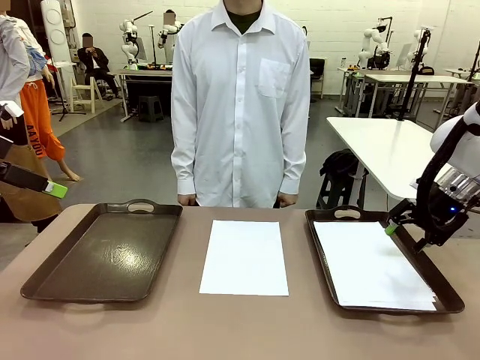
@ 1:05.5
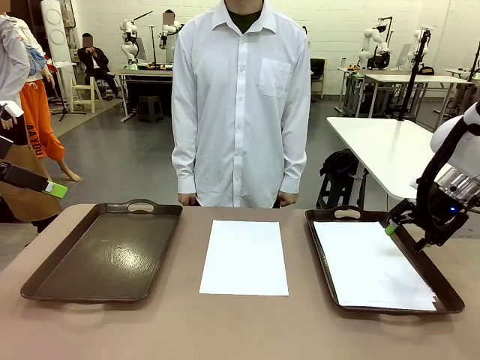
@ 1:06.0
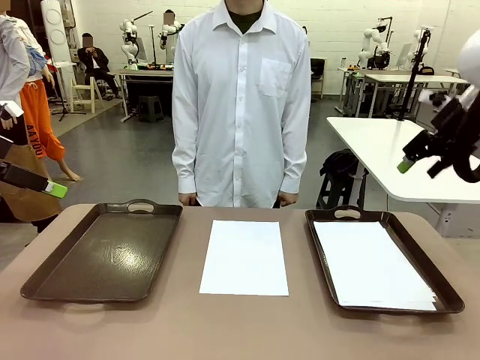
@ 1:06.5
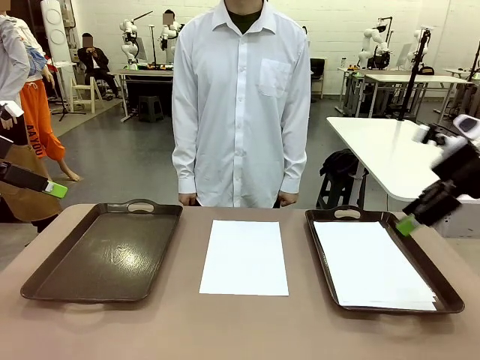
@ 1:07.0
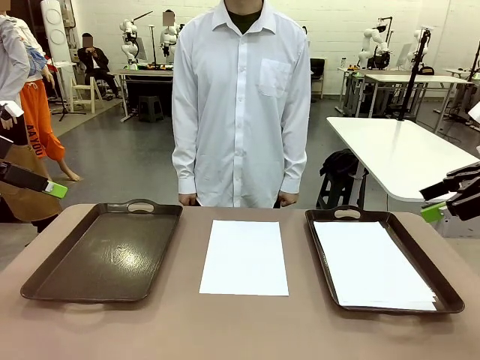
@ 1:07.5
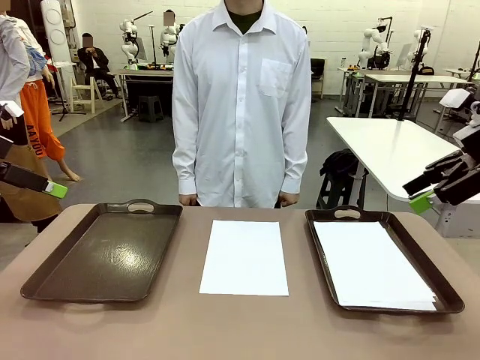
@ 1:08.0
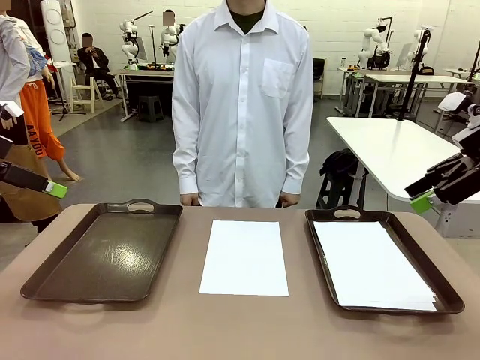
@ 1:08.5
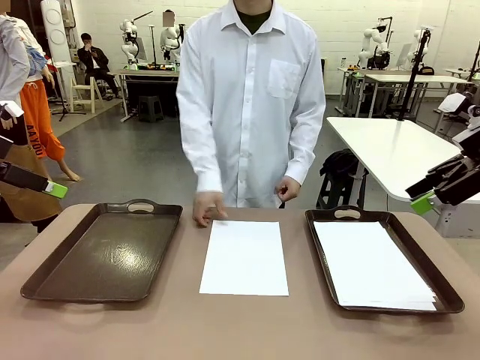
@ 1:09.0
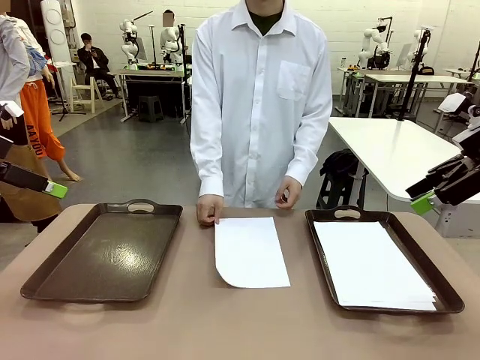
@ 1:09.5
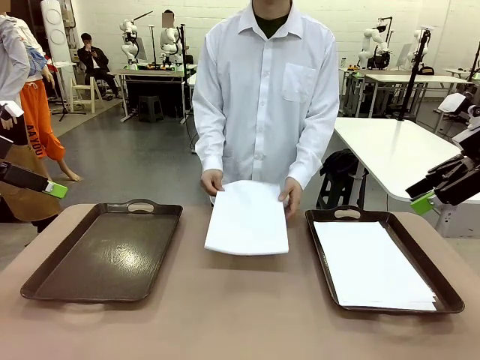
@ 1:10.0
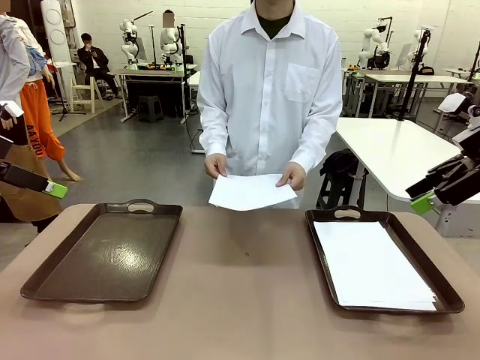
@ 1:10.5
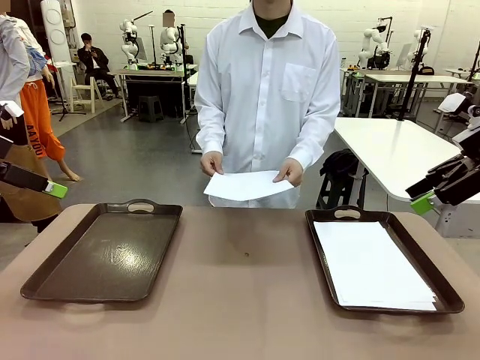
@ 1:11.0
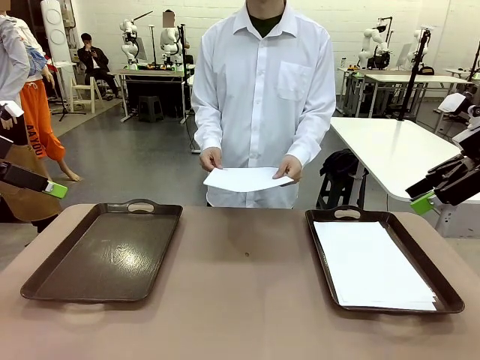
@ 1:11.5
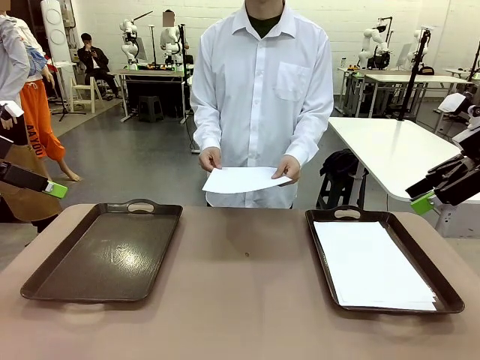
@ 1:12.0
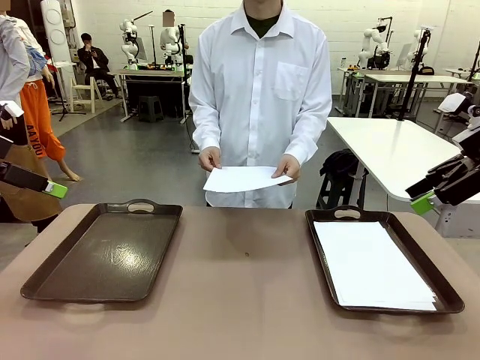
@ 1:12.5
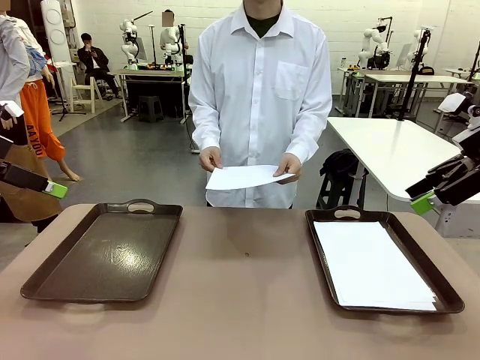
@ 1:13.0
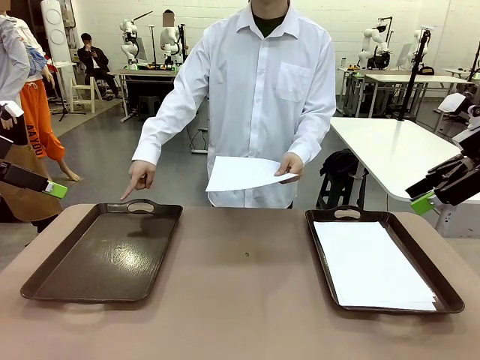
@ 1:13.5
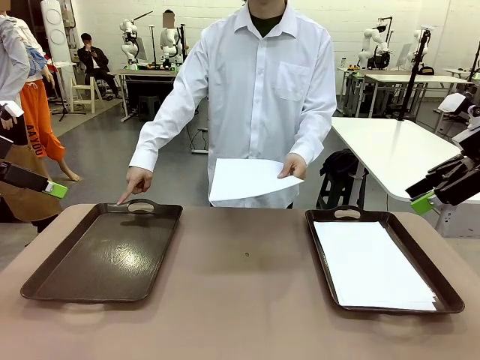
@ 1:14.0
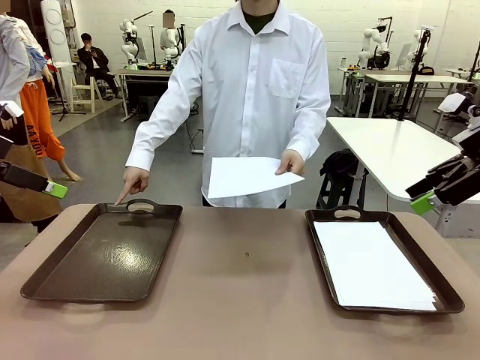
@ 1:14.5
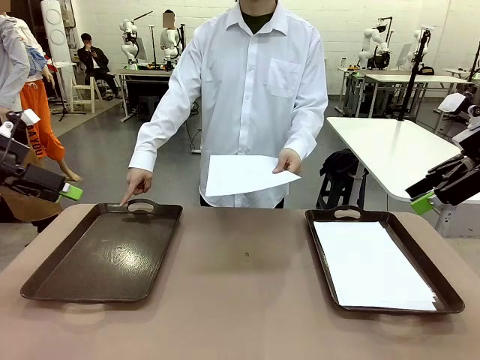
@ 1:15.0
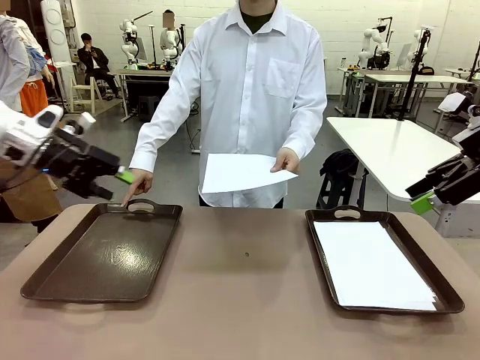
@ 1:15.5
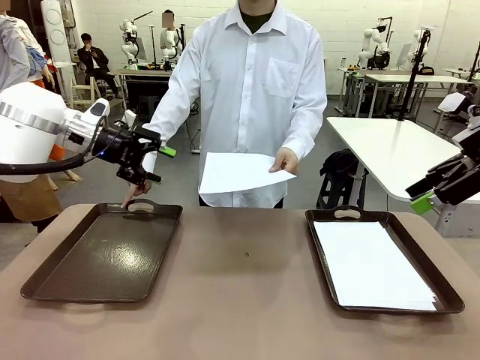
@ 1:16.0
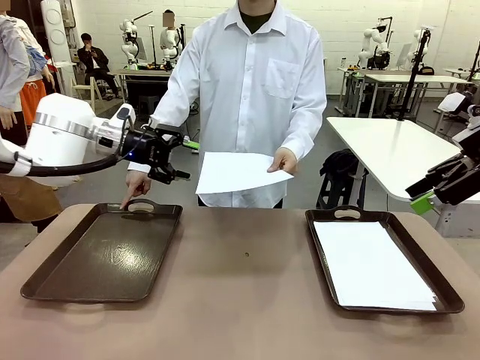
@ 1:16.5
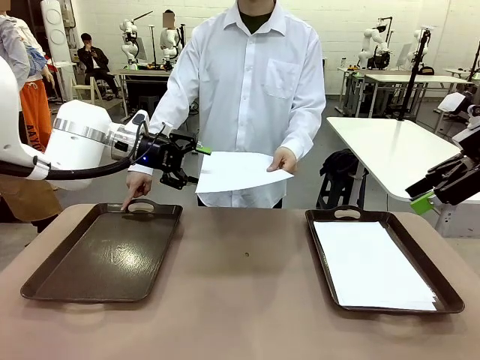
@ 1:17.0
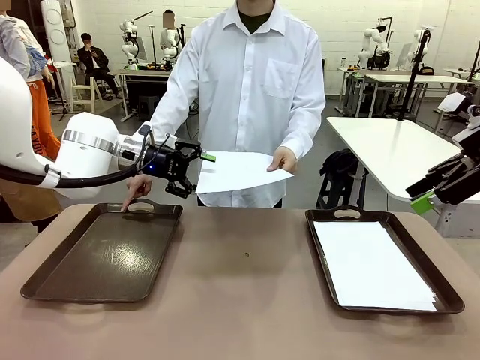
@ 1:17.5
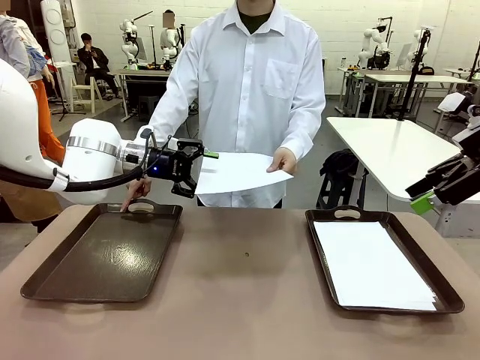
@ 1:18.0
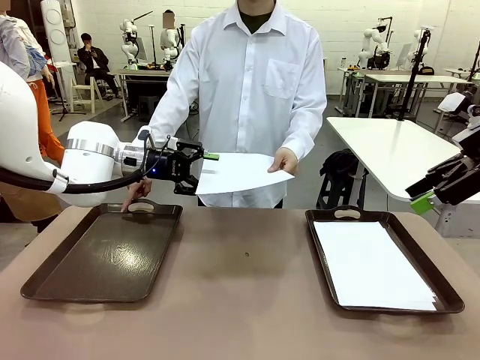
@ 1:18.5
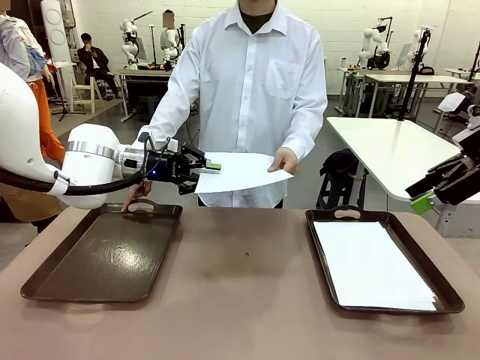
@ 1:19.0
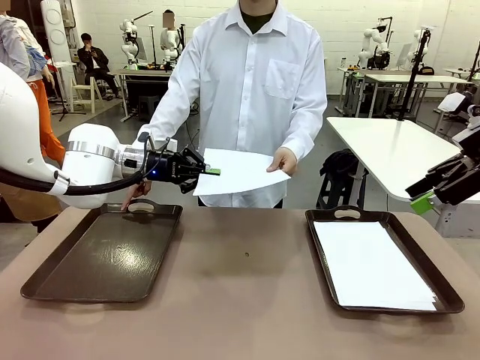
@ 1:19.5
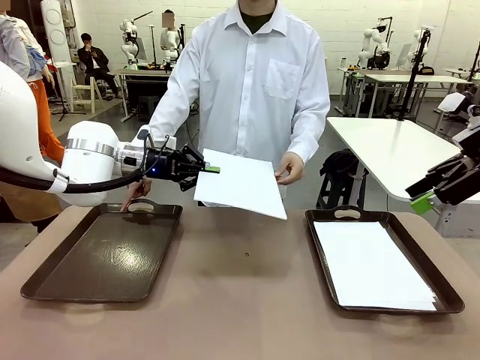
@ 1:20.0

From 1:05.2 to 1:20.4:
Task: Sort the A4 documents.
Robot: Receive the A4 Paper.
Person: Point the randomly selected tray with the other hand.

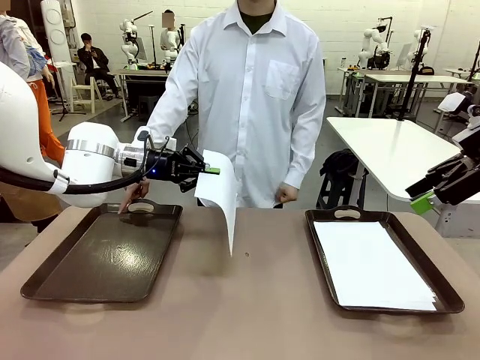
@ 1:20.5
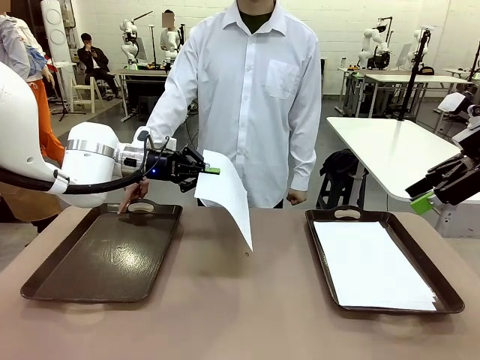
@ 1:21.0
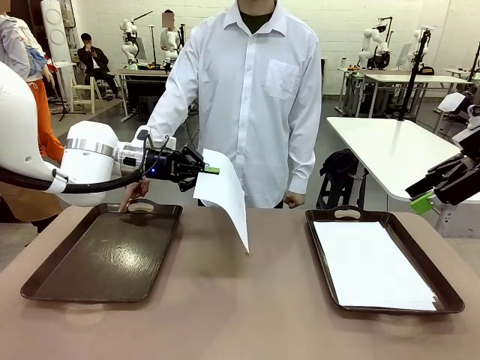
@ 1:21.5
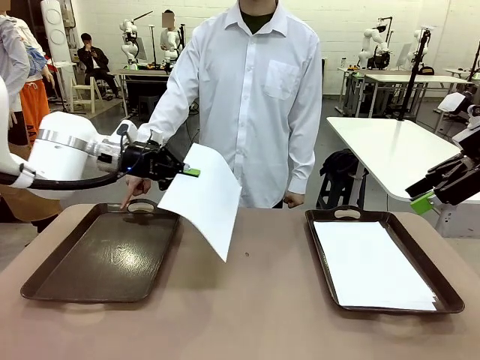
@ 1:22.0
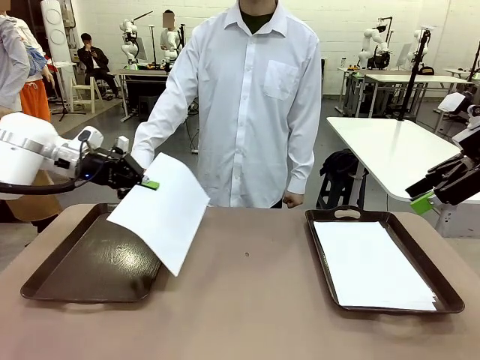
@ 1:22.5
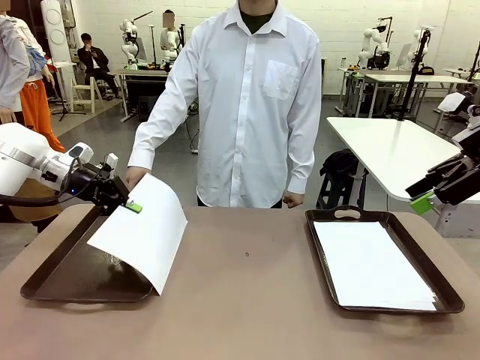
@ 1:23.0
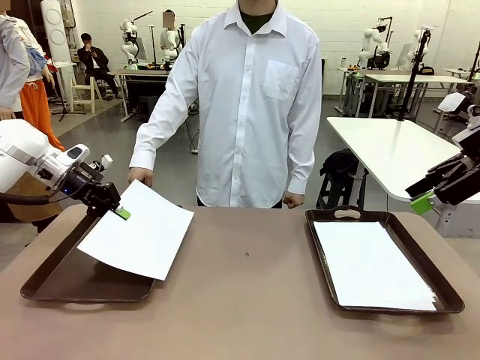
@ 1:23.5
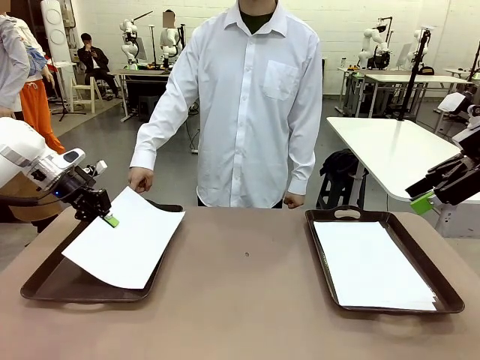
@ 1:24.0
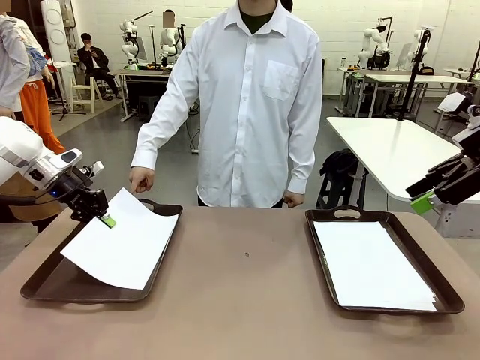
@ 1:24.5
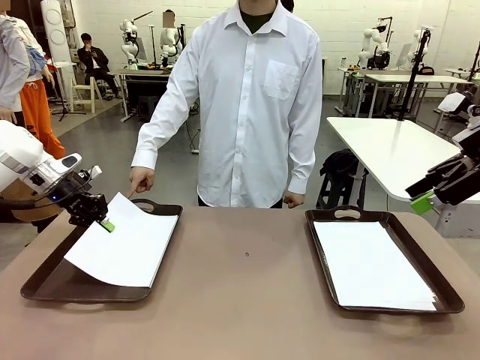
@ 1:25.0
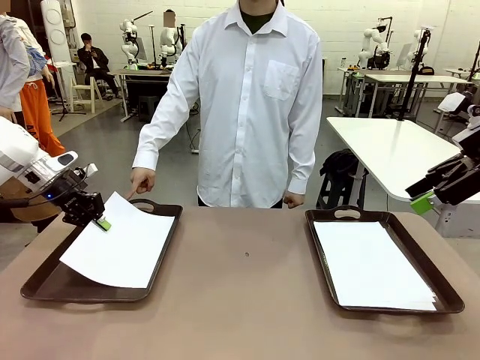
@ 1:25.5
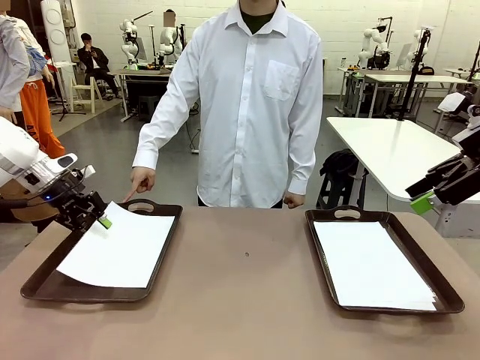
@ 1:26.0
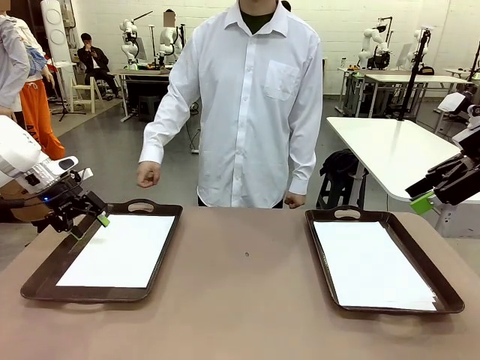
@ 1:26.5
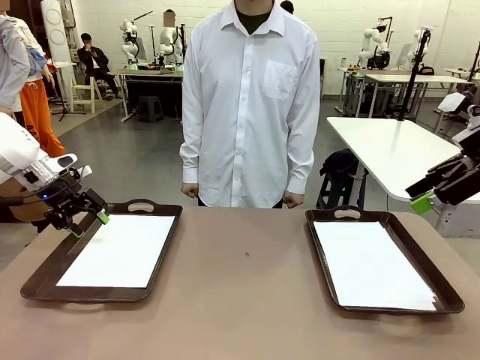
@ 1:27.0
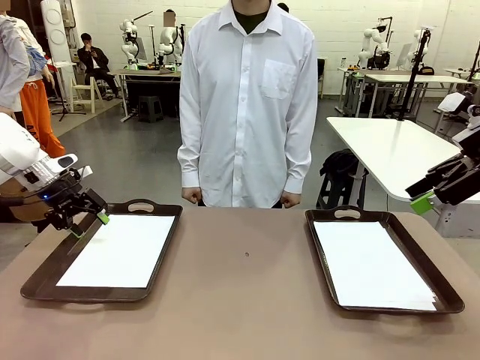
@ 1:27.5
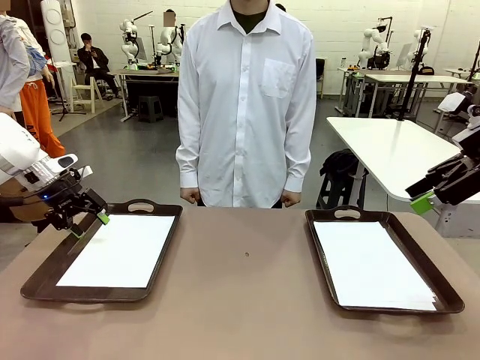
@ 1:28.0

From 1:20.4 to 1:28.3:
Robot: Place the A4 Paper in the designated Handle tray.

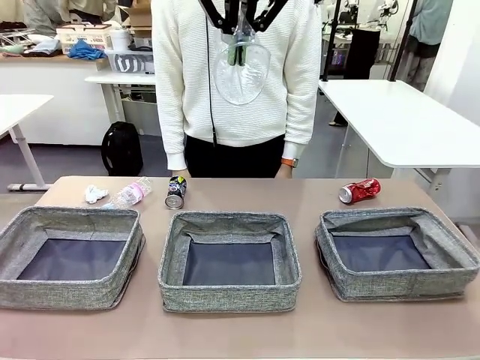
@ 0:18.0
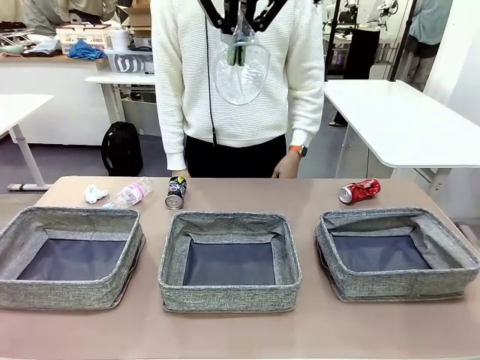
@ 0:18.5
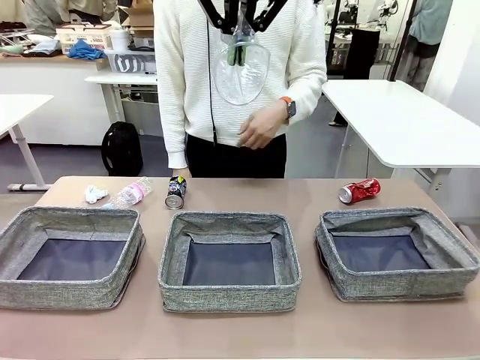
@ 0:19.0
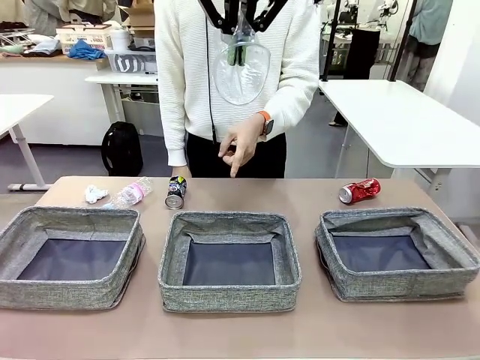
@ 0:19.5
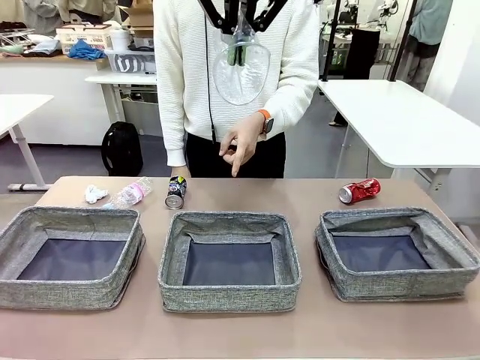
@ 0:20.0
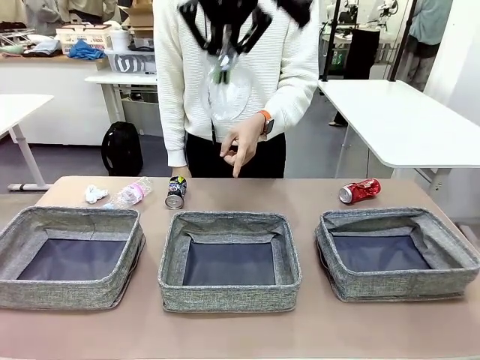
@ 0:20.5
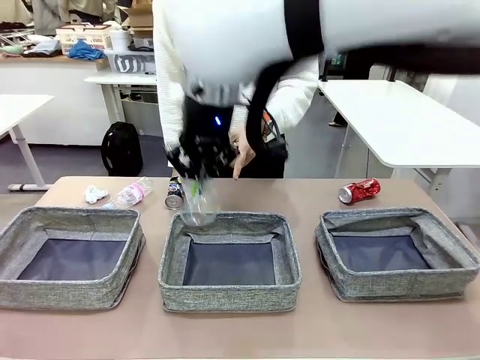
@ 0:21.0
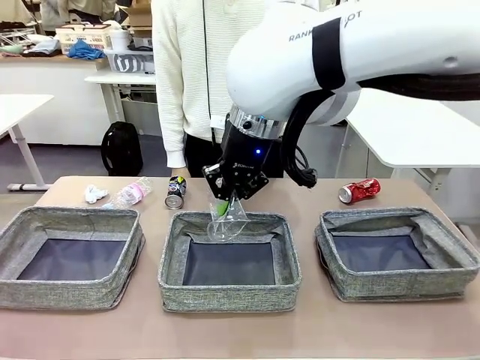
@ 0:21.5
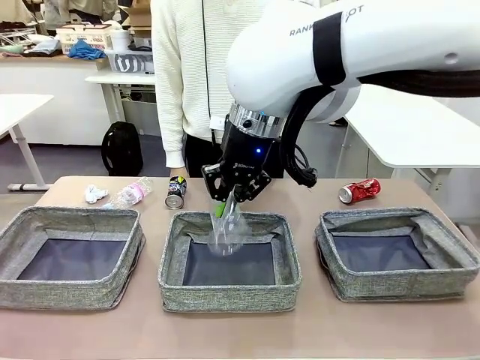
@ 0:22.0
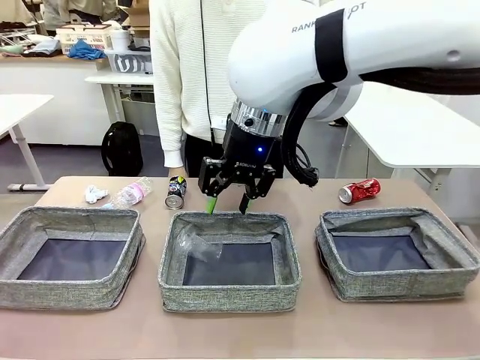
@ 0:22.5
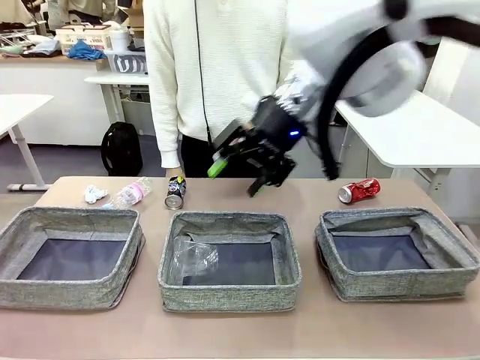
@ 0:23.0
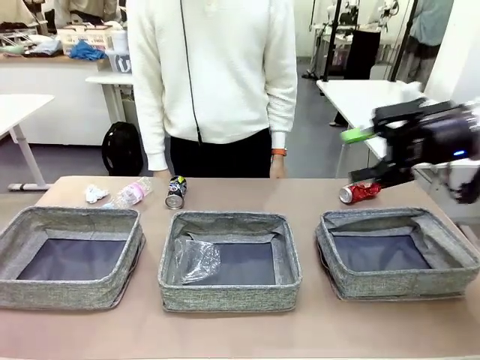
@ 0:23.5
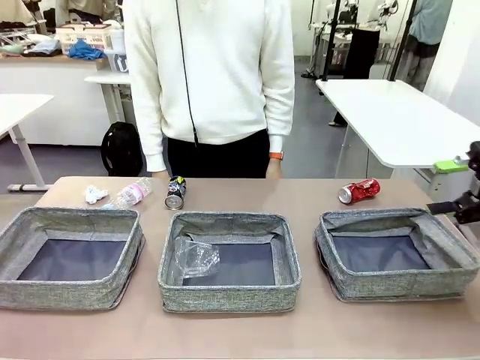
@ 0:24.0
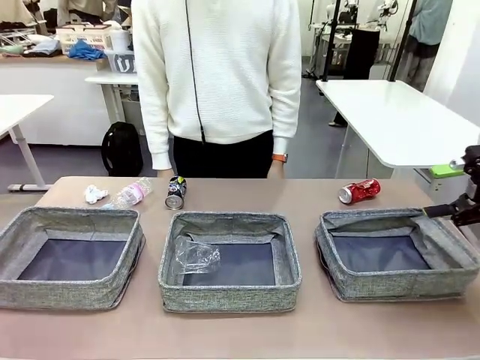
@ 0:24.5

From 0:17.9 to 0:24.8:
Task: Sort the waste into the appropriate baskets.
Robot: Place the picked waste into the Fabric basket indicated by the person.
